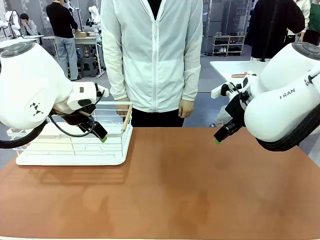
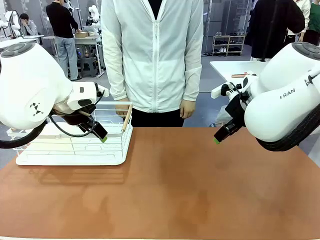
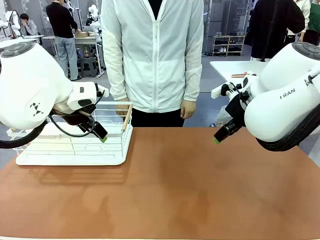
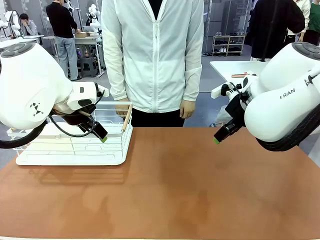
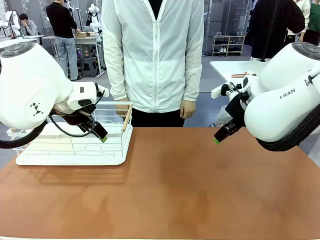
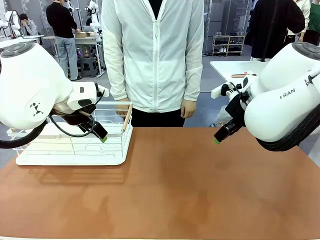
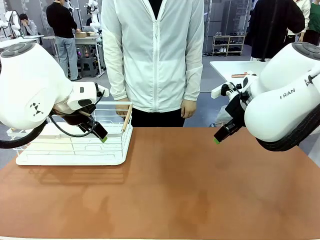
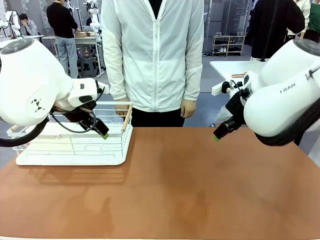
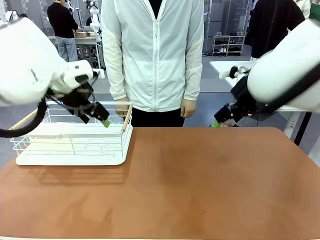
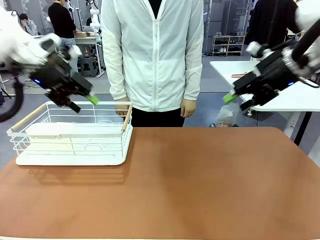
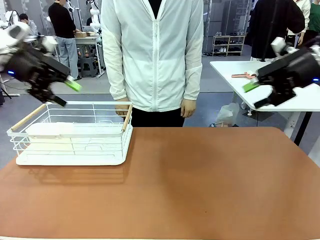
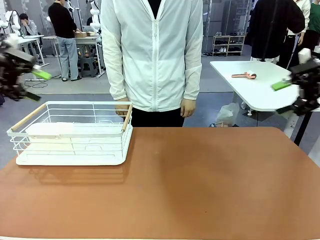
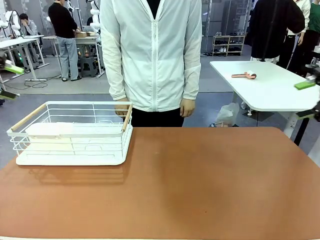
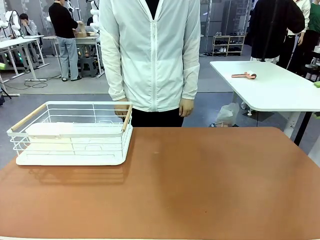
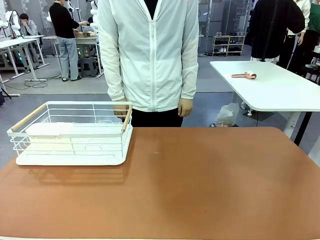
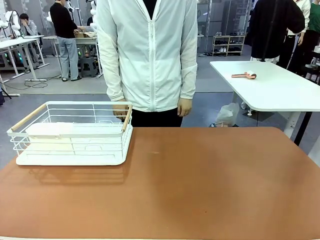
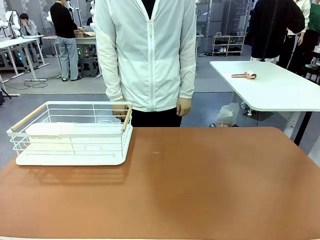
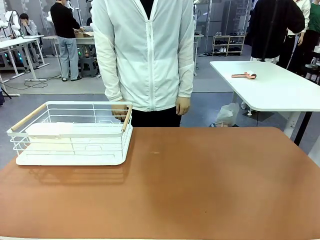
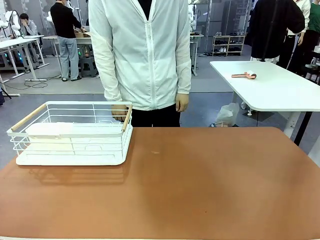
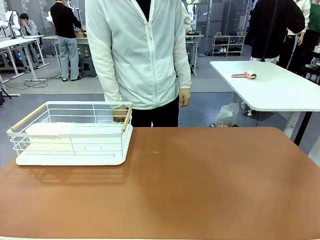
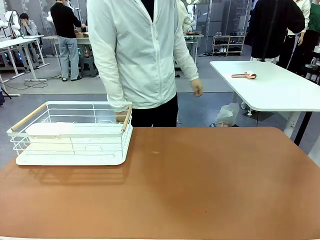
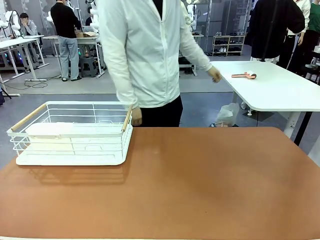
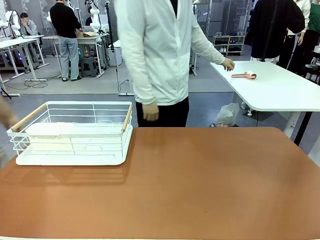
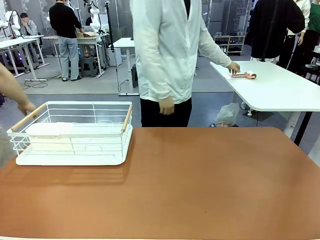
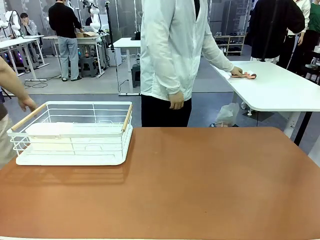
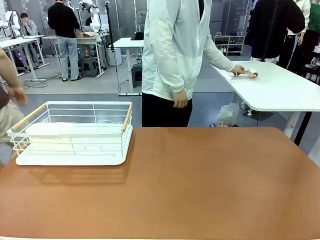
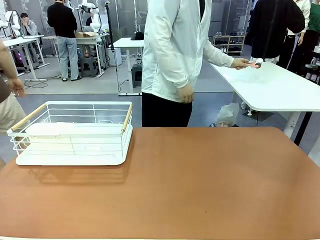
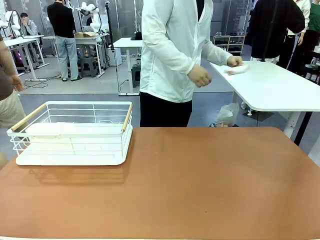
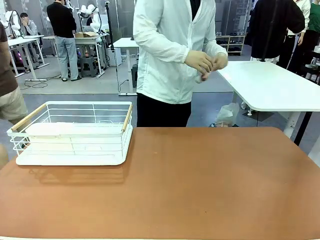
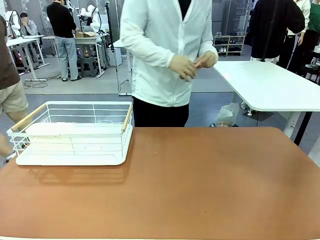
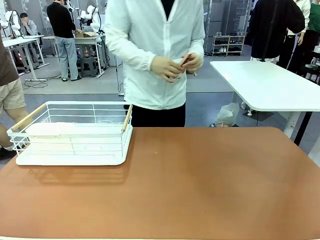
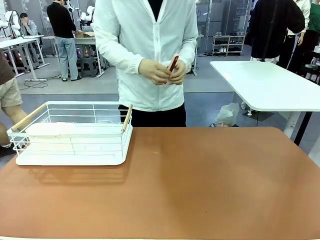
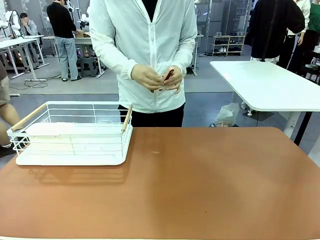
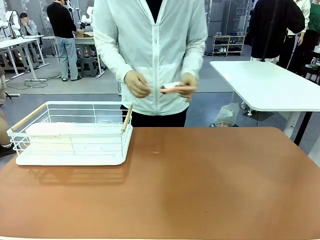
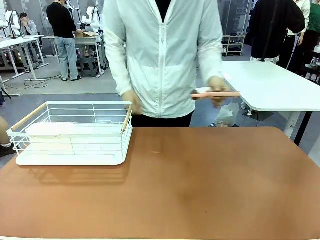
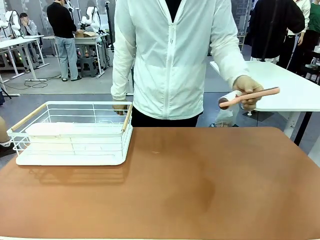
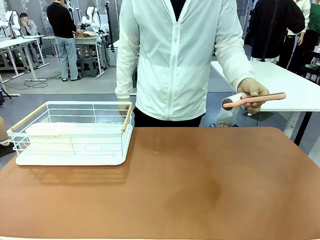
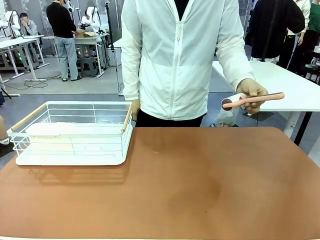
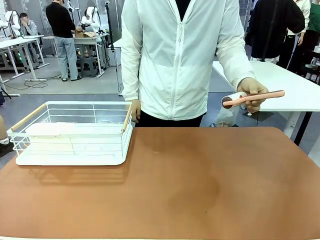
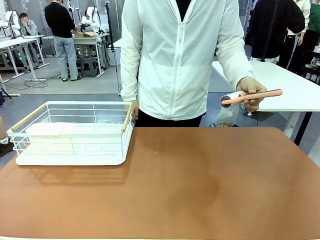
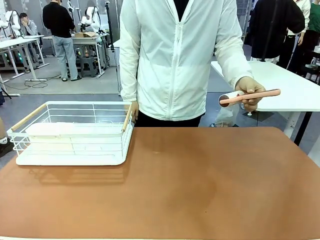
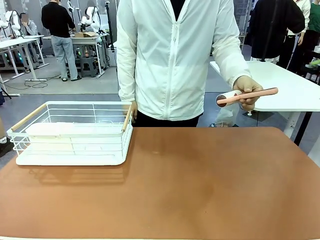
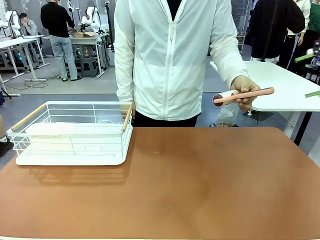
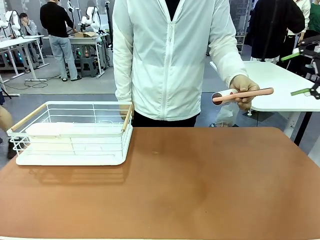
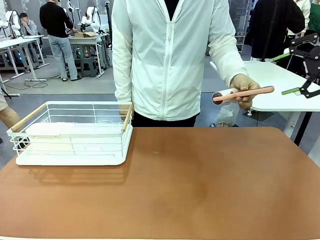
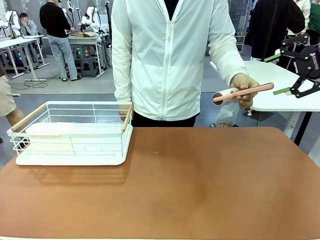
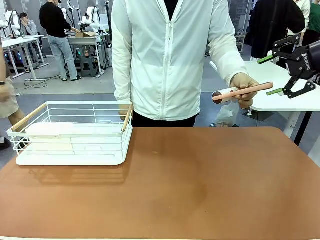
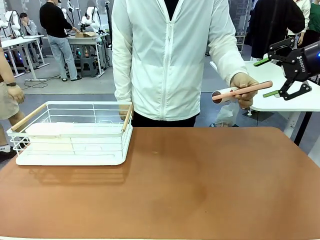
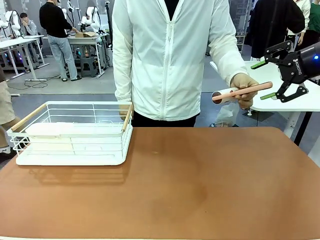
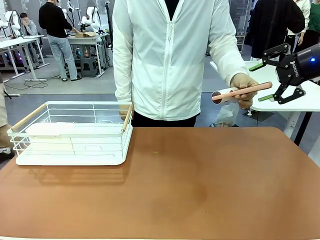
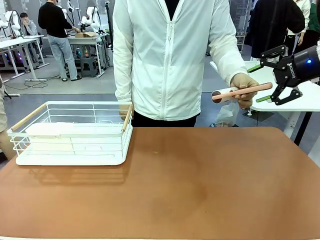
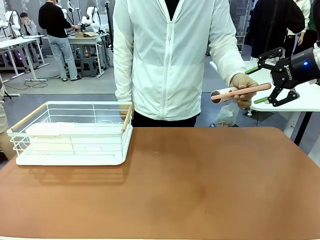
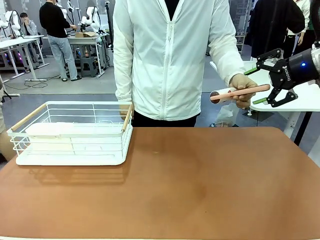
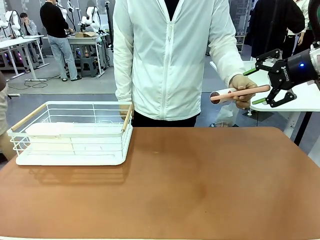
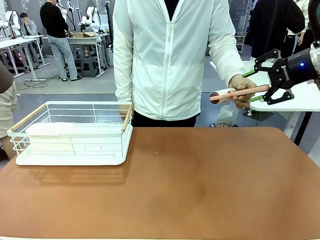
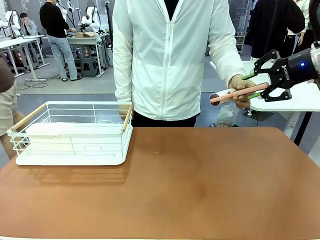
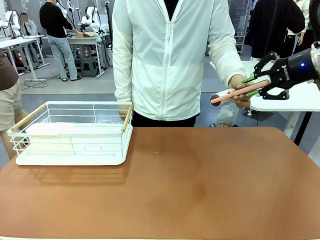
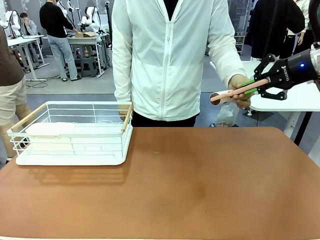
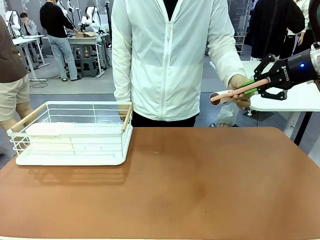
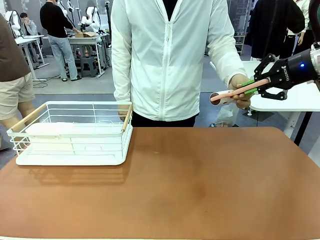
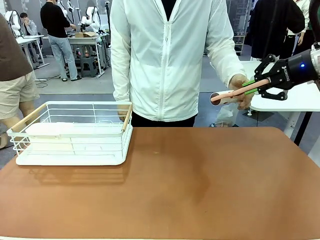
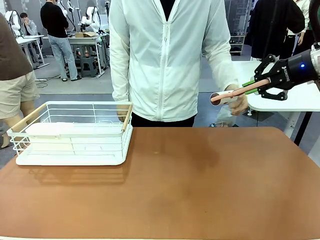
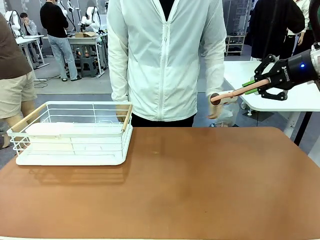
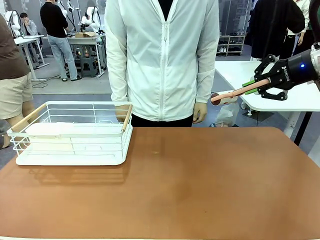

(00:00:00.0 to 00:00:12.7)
Task: Clean the table.
Robot: Pick up the Lint Roller when the human hands it over.
Person: Hand the Lint Roller to the robot so it can easily pick it up. Lift the Dish drying rack.

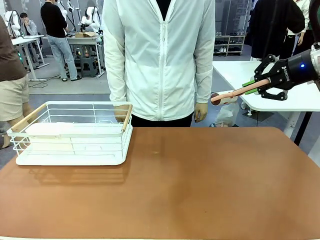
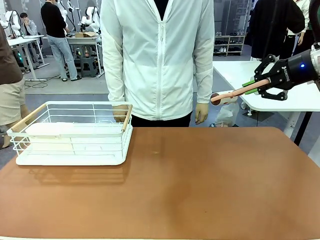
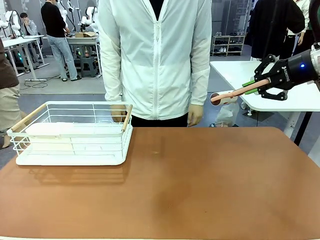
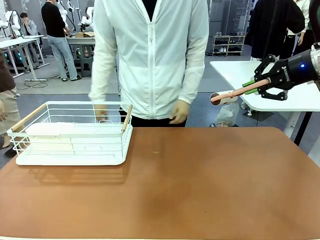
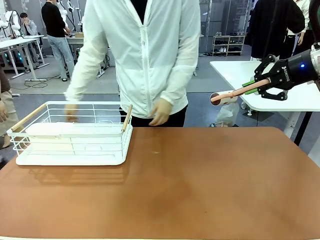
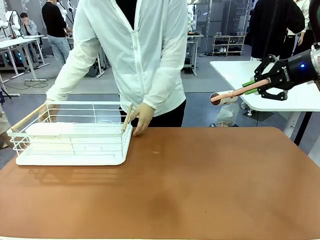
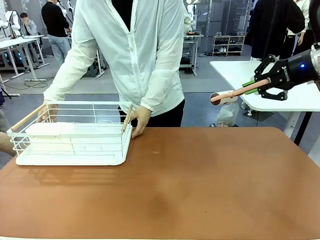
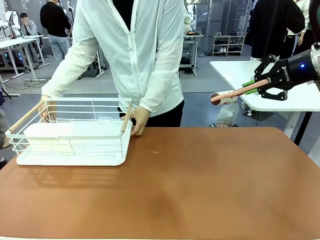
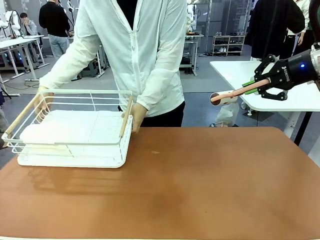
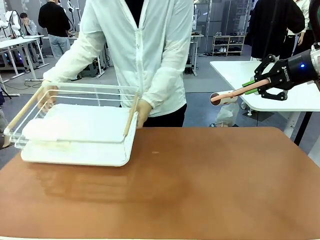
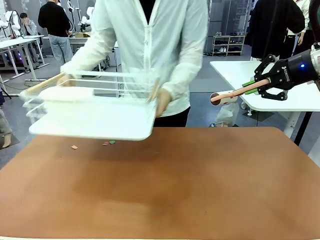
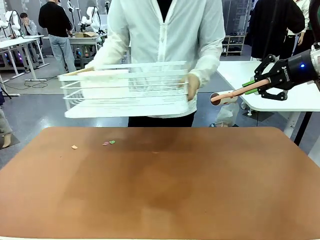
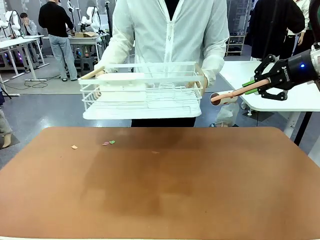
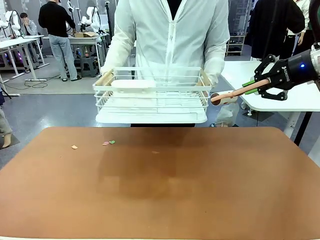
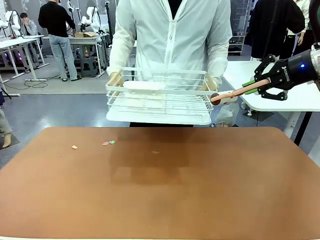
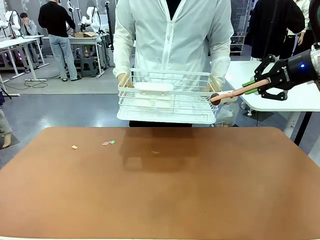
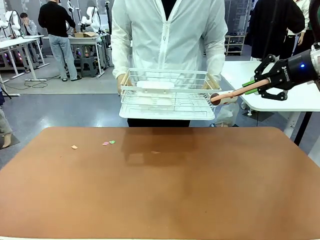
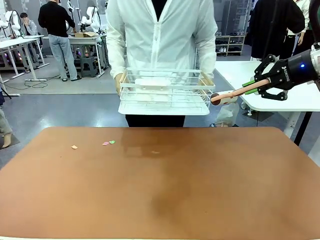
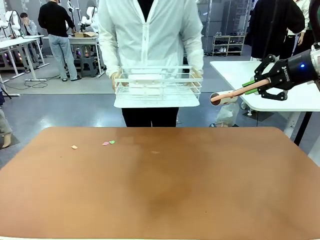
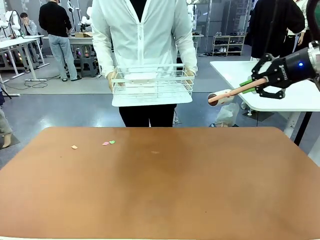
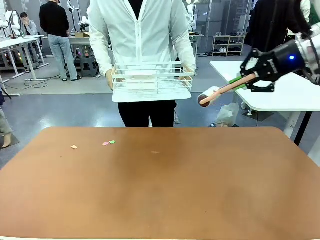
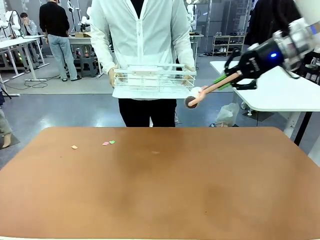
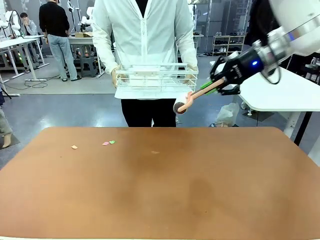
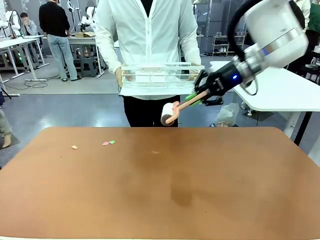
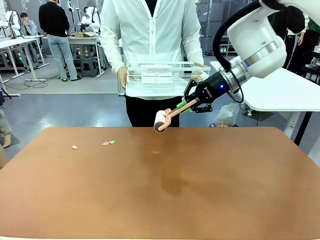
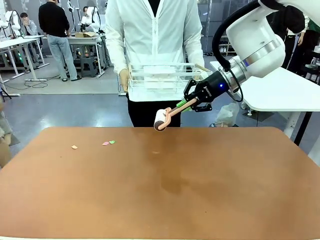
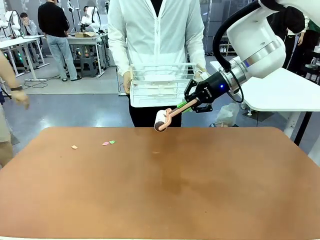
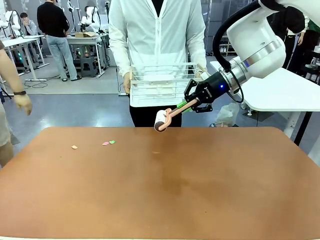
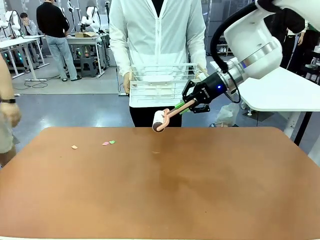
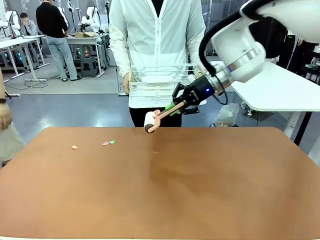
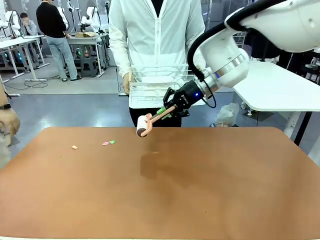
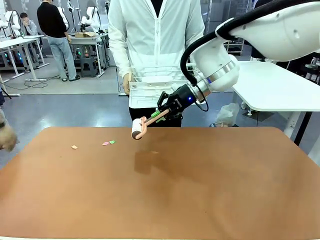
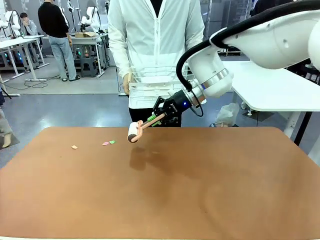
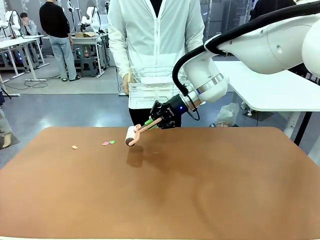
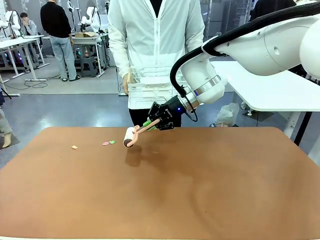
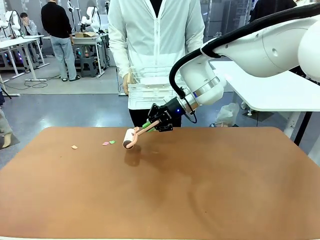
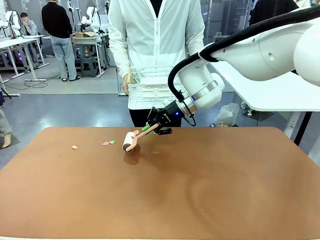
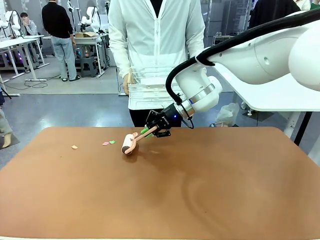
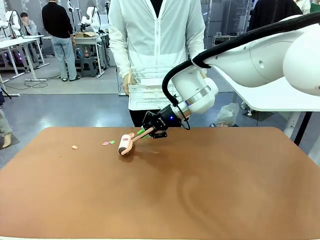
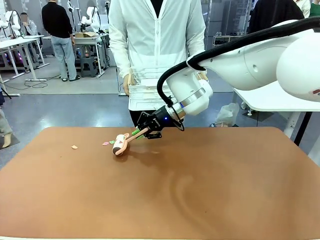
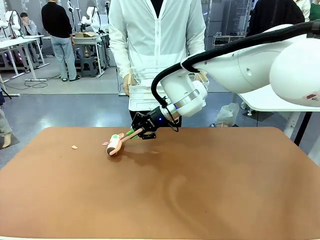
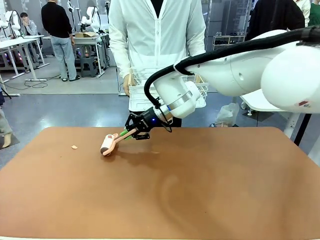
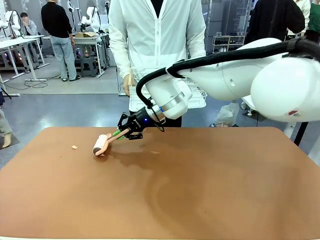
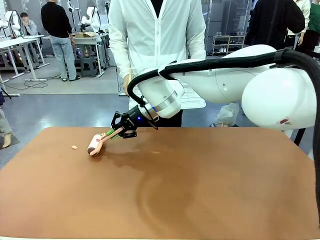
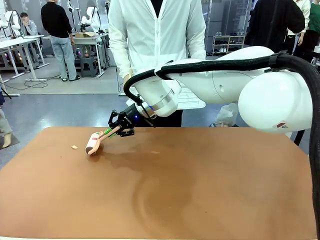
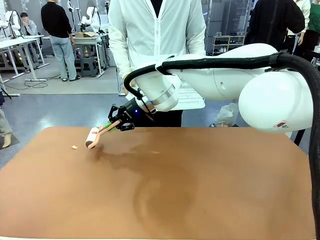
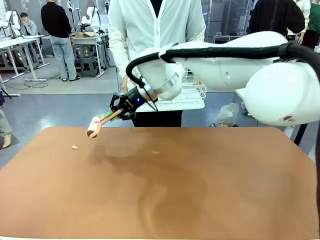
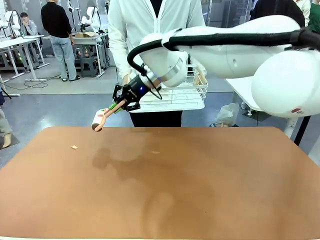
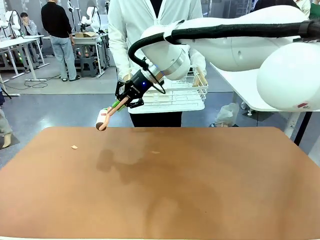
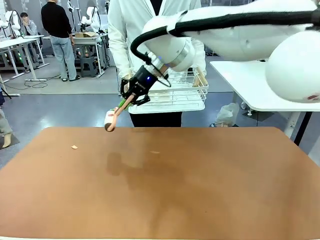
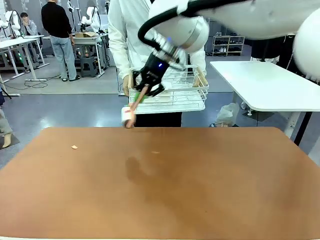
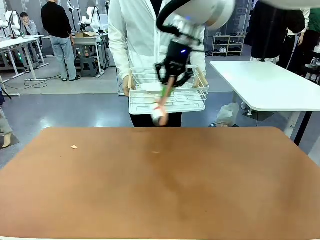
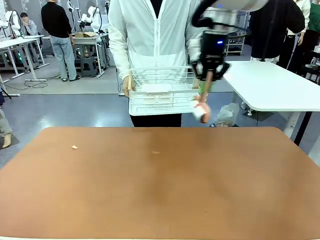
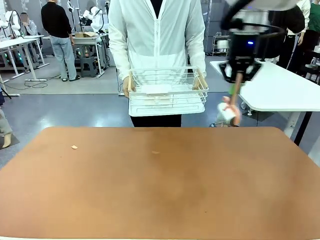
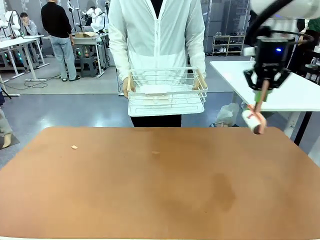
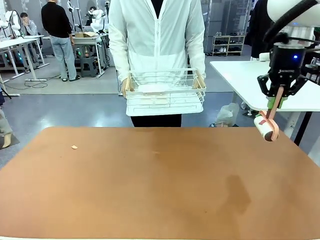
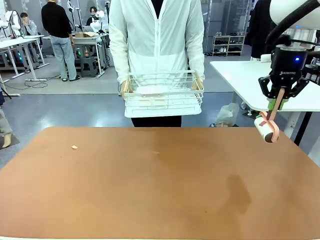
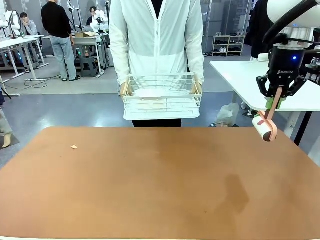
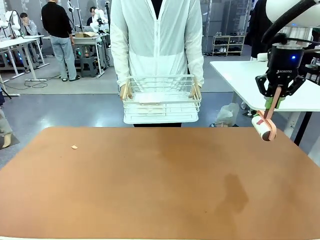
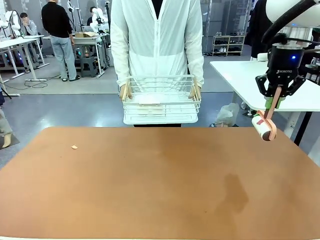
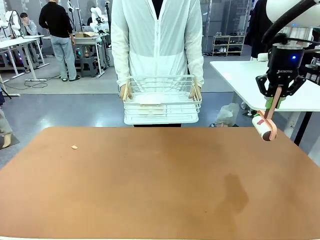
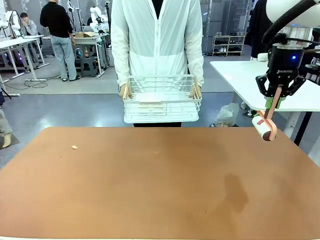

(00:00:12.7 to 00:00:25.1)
Robot: Clean the table with the Lint Roller when the human lifts the Dish drying rack.
